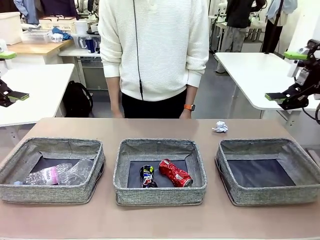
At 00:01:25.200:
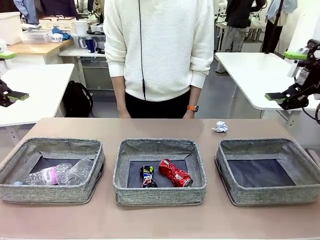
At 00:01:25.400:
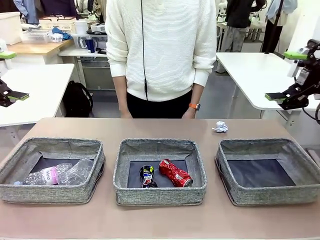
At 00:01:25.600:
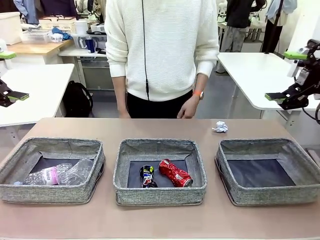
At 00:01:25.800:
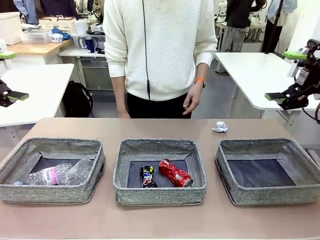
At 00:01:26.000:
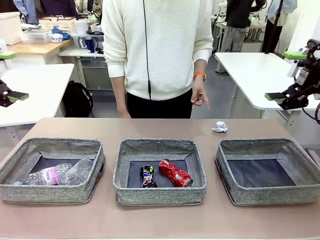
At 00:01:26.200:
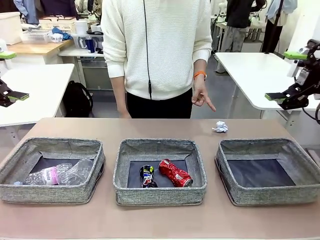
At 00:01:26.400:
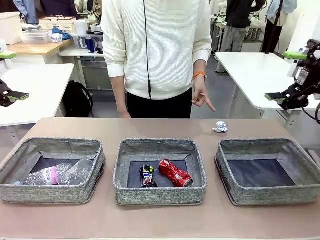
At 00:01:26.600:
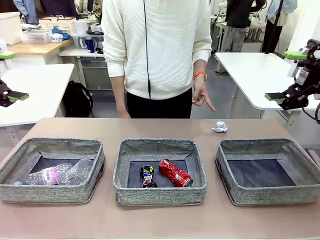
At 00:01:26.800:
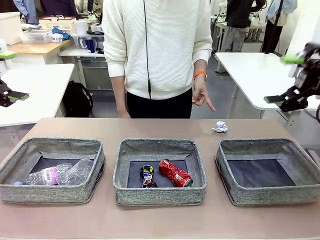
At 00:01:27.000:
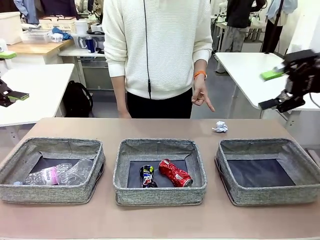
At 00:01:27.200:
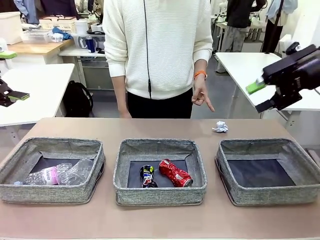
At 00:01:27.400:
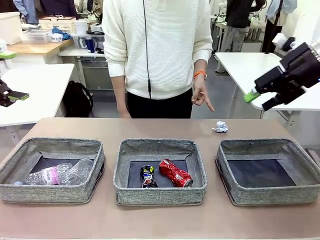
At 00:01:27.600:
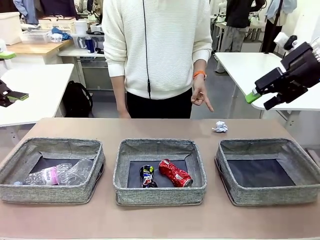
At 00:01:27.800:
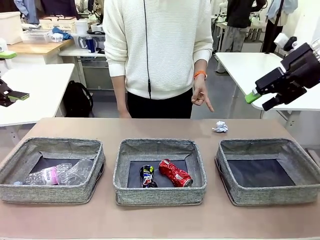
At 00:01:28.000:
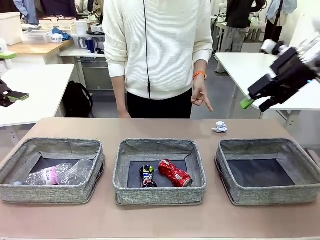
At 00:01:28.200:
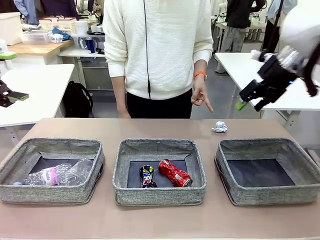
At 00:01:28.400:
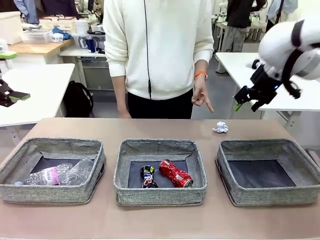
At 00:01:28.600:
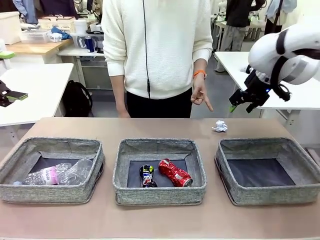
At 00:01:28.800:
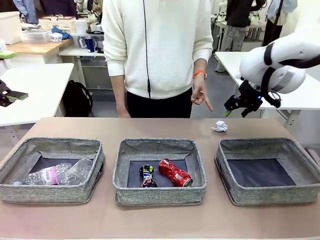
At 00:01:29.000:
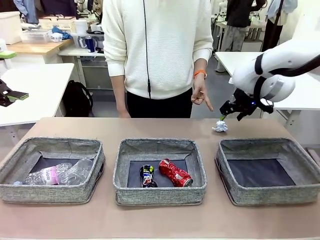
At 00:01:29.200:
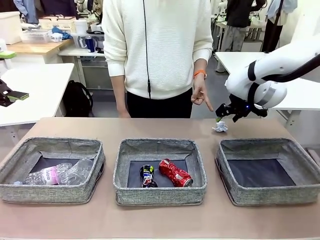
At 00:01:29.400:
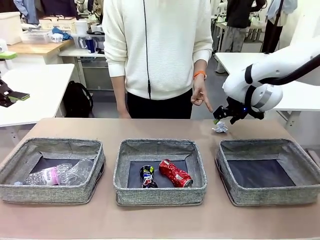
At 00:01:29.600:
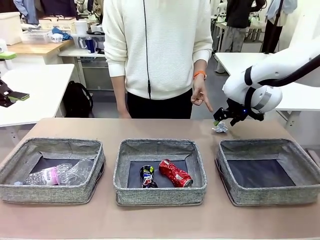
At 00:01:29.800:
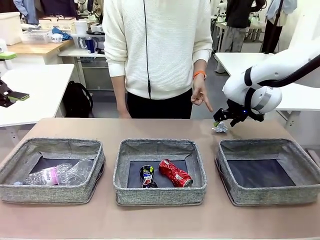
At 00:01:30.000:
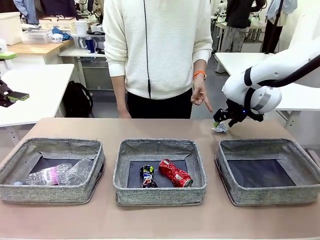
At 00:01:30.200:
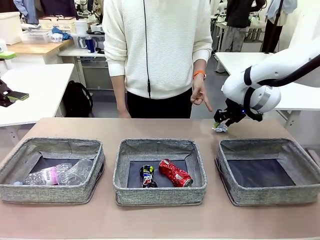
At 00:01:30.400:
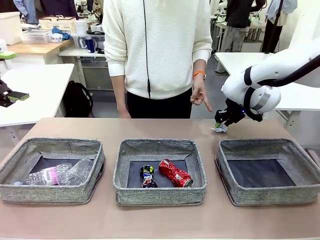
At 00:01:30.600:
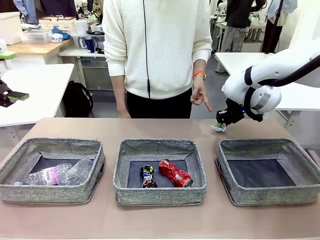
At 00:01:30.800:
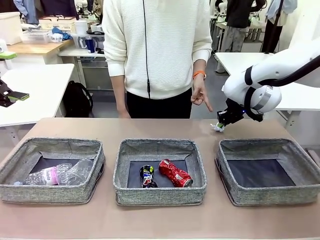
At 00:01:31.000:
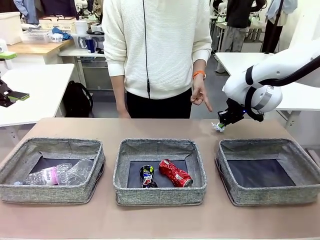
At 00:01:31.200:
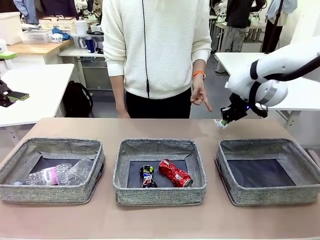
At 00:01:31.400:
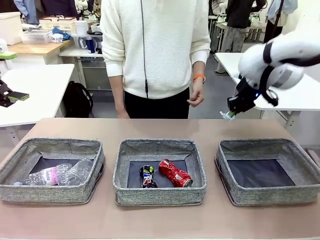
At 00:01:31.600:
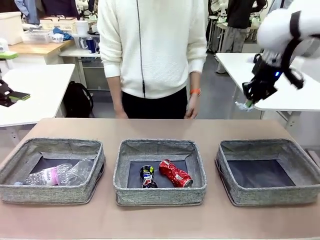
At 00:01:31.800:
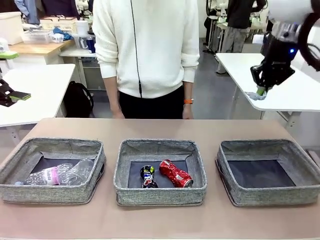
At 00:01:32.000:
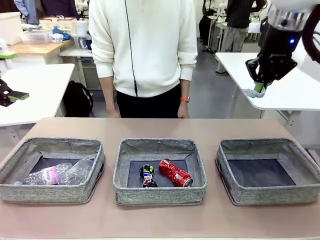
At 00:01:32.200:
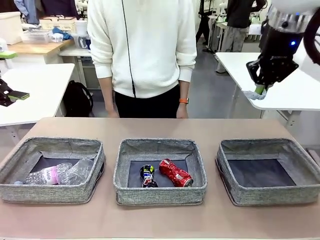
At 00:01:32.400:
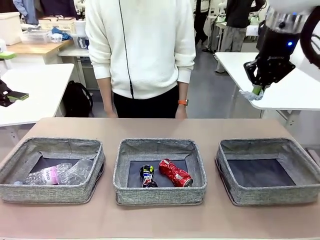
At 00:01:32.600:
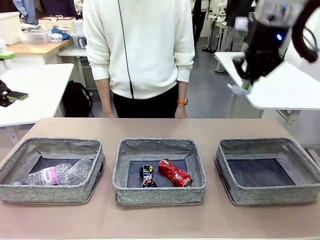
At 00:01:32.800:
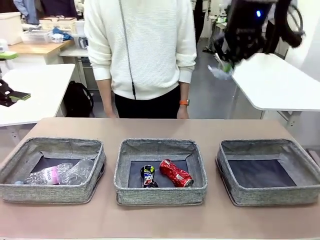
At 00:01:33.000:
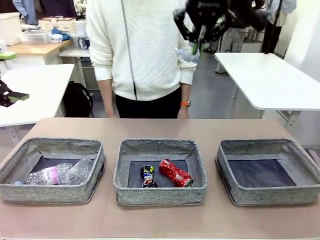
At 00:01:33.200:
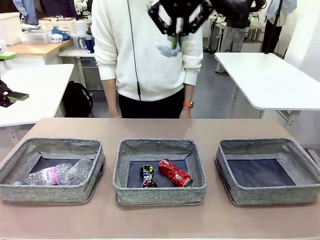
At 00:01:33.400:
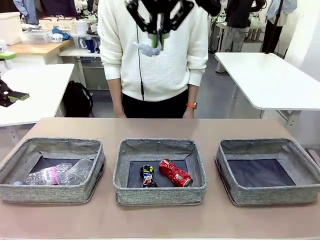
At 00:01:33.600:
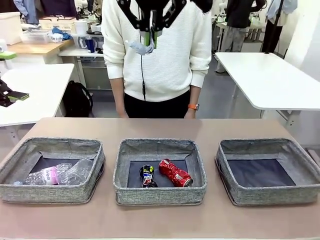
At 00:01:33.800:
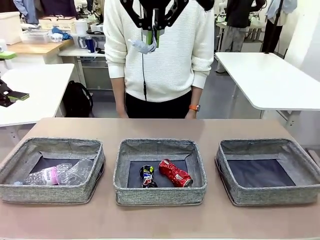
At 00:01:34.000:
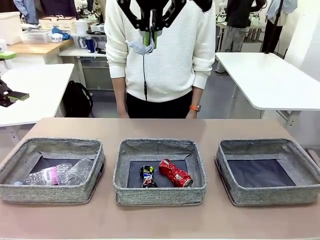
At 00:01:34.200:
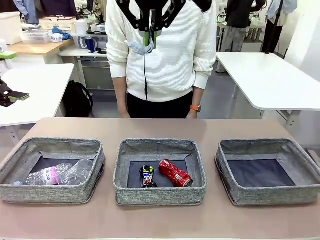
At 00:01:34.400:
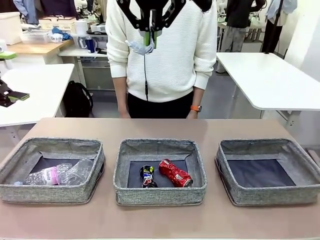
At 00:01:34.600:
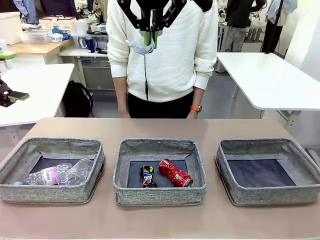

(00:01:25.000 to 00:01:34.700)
Task: Sort the waste into the appropriate baskets.
Robot: Pick up the waste item pointed out by the person.
Person: Points to one piece of trash on the table.

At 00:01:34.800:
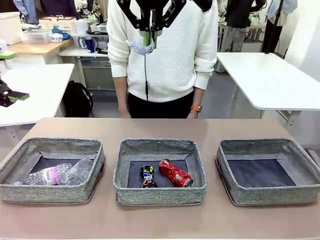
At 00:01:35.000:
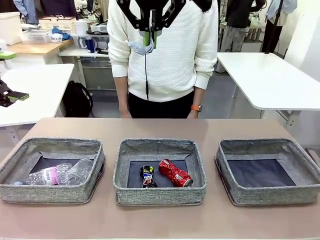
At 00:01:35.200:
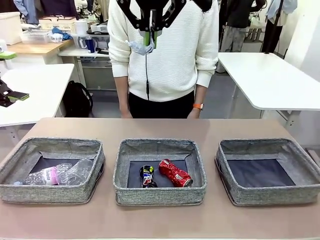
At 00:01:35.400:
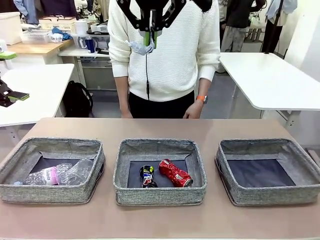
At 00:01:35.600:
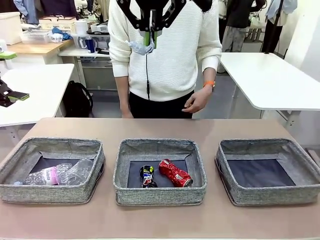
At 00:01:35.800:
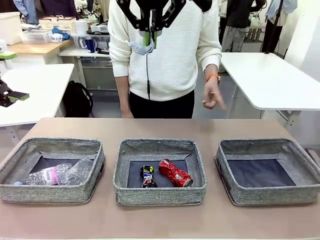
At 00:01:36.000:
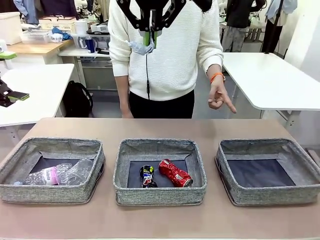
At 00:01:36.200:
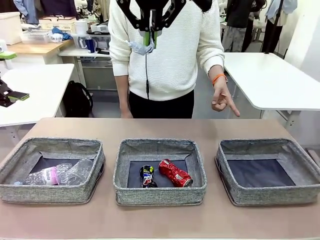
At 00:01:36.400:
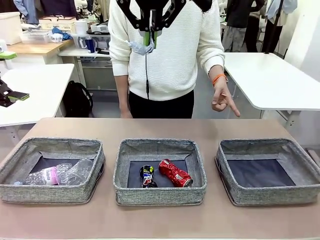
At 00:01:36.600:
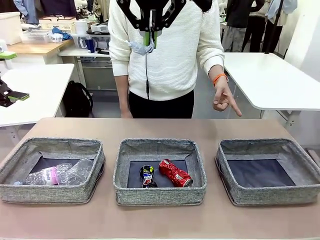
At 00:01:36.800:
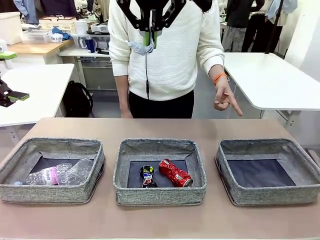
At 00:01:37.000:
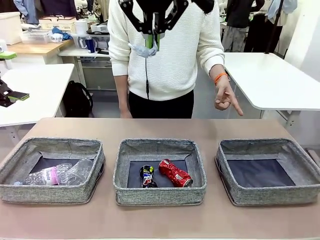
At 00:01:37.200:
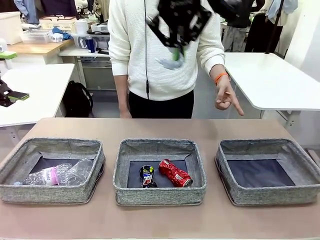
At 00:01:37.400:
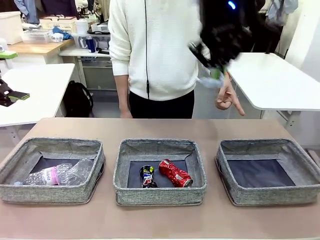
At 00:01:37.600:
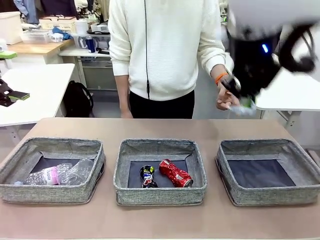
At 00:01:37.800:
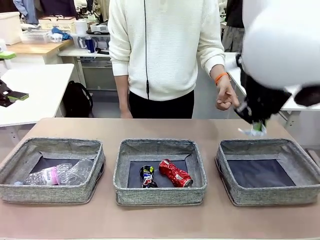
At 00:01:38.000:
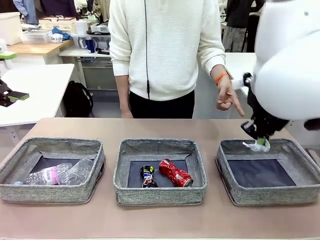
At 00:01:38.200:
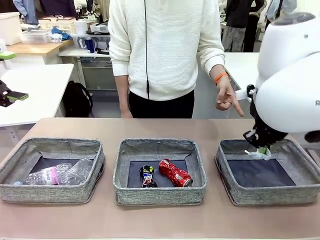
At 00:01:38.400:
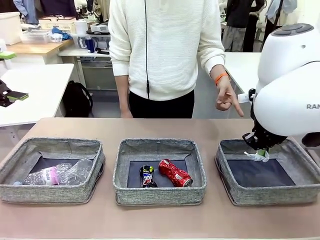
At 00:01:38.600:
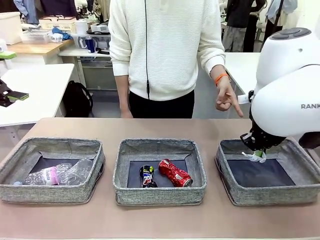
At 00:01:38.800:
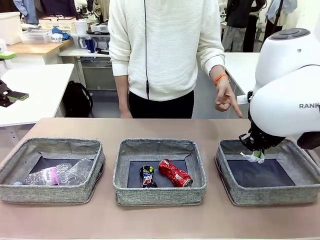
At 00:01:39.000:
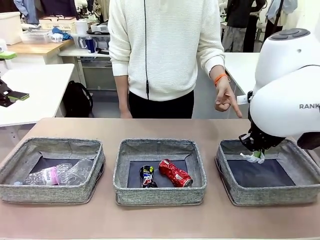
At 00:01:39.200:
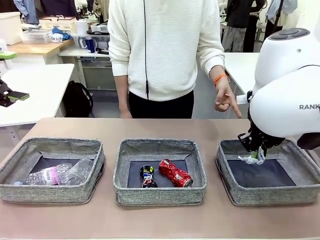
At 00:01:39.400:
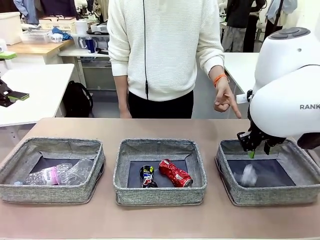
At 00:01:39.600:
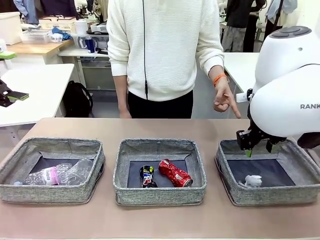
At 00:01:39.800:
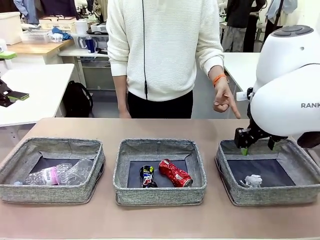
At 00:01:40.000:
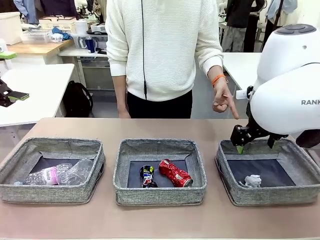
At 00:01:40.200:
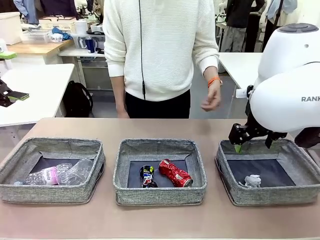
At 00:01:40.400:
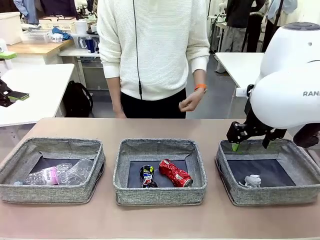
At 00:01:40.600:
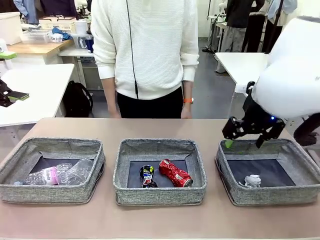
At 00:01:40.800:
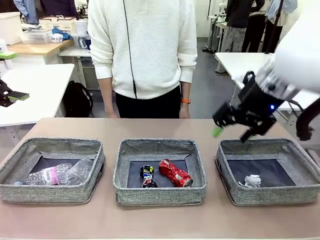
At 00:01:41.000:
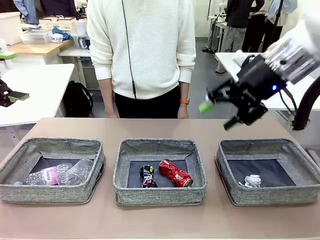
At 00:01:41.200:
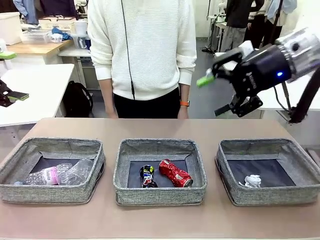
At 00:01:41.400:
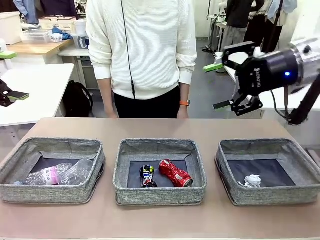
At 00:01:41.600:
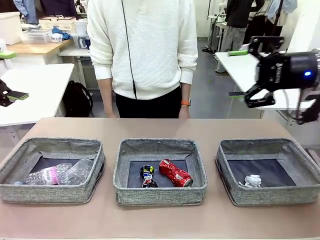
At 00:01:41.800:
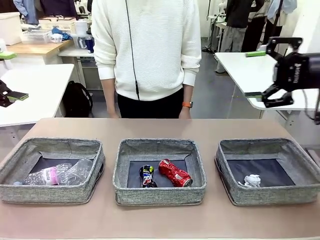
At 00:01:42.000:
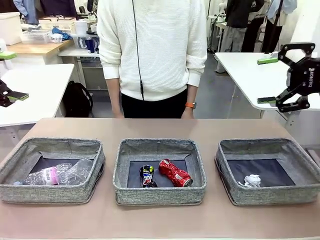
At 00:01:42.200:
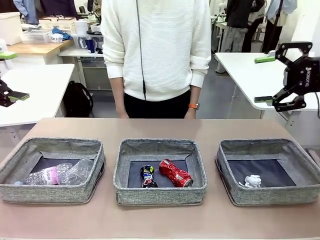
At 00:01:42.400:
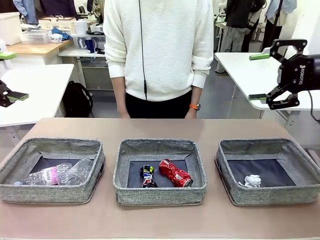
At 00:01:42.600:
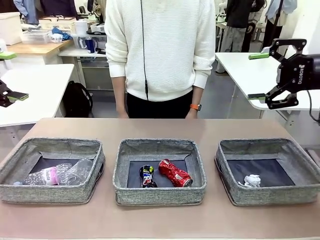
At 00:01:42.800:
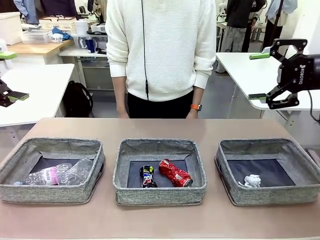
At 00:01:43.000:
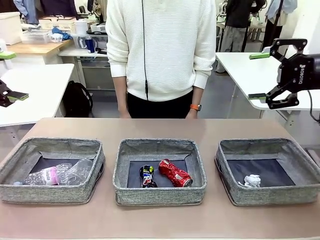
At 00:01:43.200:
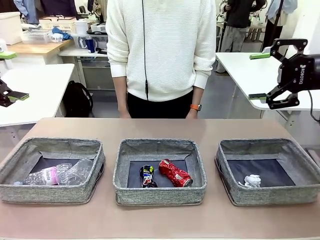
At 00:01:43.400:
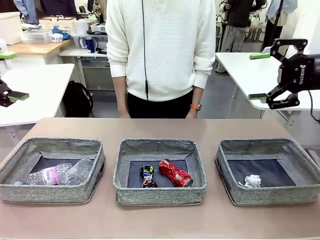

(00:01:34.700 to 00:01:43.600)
Robot: Place the picked waste into the Fabric basket indicated by the person.
Person: Instructs the robot to place the picked-up trash into the appropriate organizing basket.
